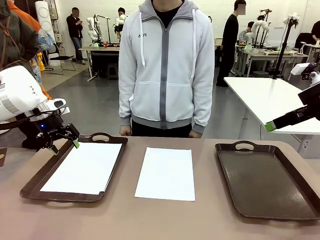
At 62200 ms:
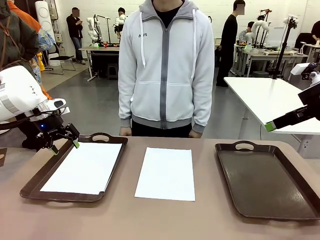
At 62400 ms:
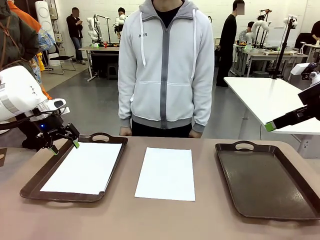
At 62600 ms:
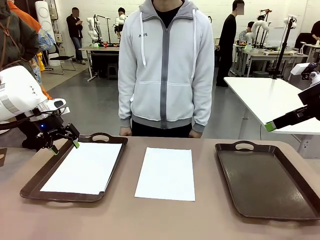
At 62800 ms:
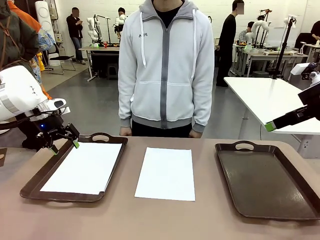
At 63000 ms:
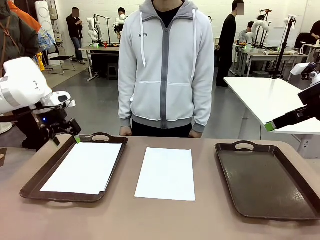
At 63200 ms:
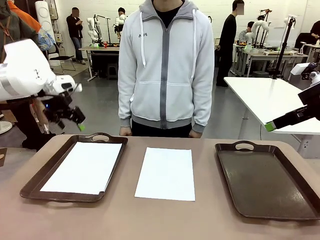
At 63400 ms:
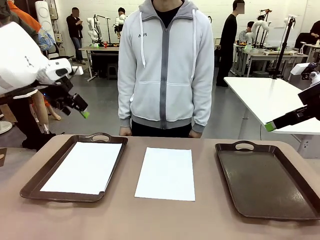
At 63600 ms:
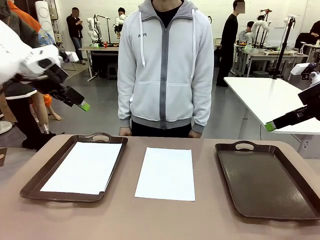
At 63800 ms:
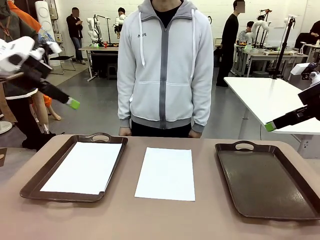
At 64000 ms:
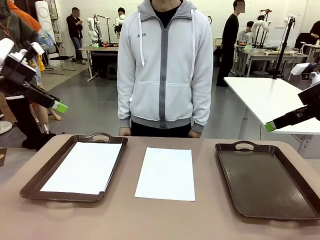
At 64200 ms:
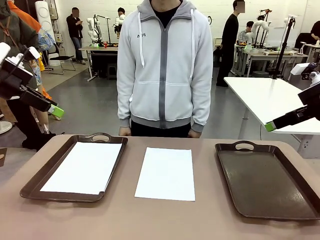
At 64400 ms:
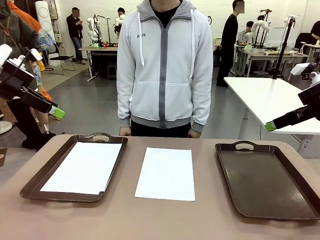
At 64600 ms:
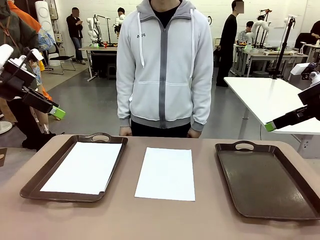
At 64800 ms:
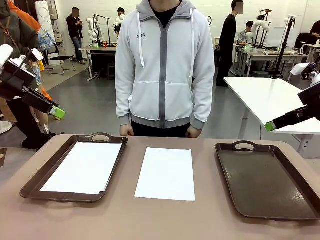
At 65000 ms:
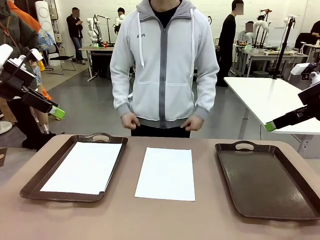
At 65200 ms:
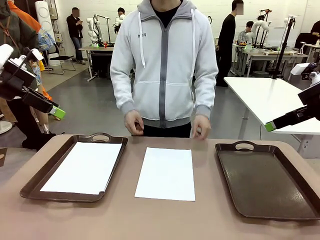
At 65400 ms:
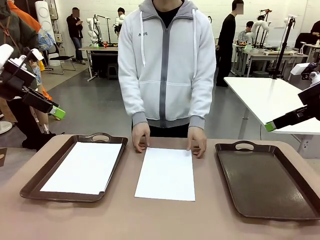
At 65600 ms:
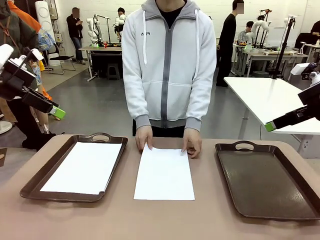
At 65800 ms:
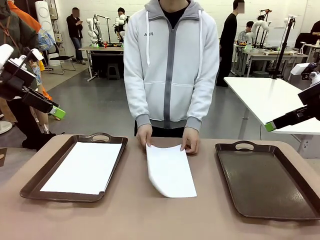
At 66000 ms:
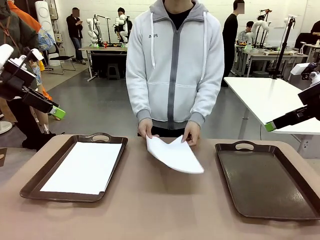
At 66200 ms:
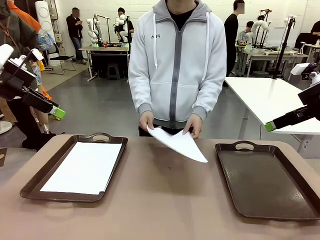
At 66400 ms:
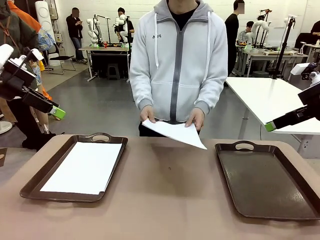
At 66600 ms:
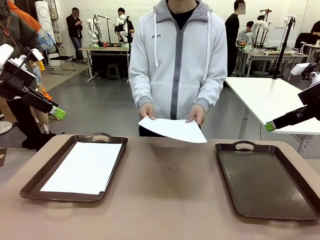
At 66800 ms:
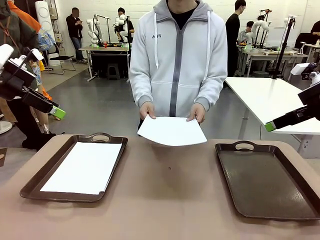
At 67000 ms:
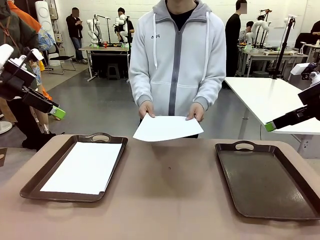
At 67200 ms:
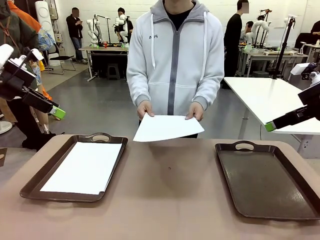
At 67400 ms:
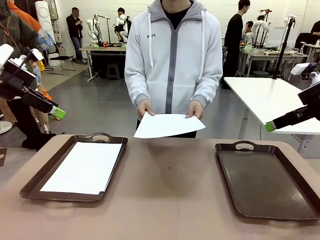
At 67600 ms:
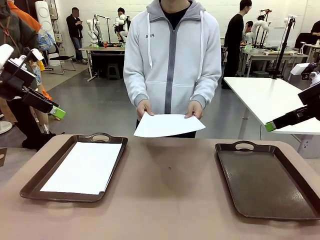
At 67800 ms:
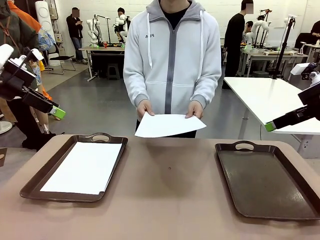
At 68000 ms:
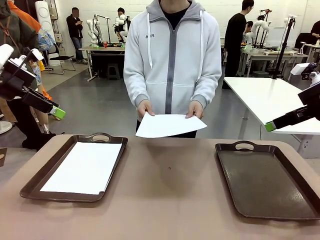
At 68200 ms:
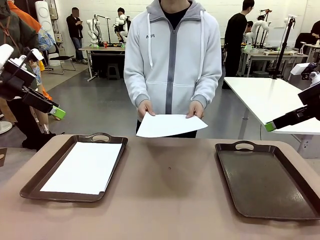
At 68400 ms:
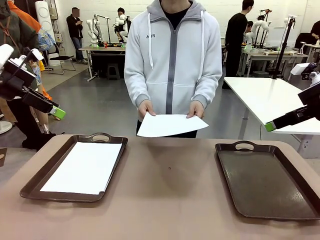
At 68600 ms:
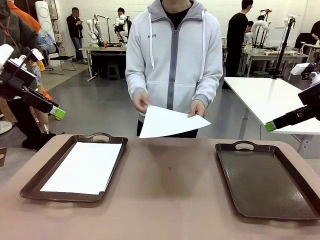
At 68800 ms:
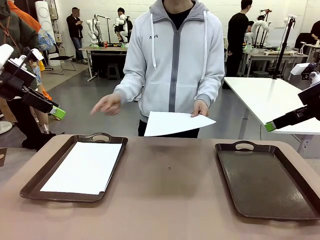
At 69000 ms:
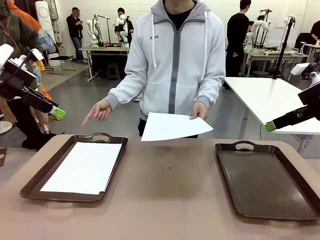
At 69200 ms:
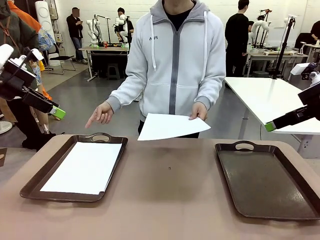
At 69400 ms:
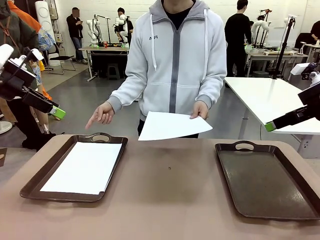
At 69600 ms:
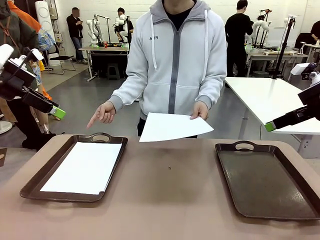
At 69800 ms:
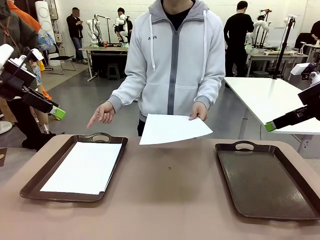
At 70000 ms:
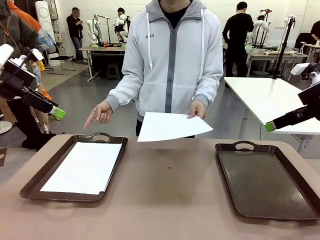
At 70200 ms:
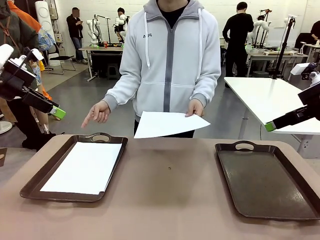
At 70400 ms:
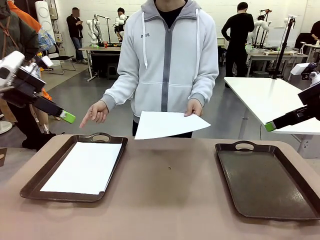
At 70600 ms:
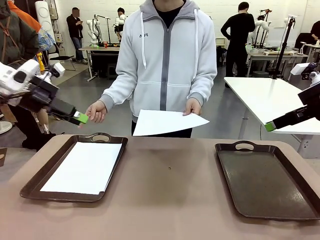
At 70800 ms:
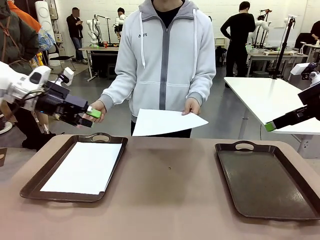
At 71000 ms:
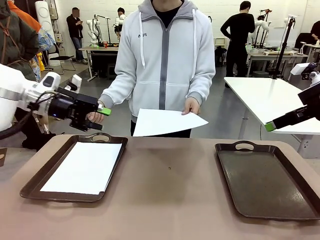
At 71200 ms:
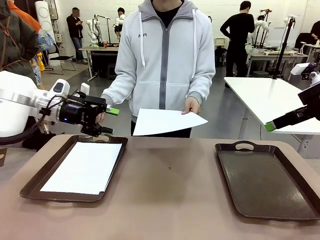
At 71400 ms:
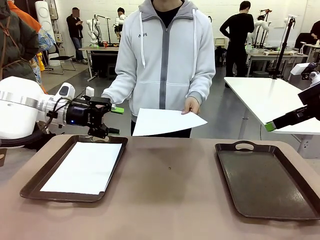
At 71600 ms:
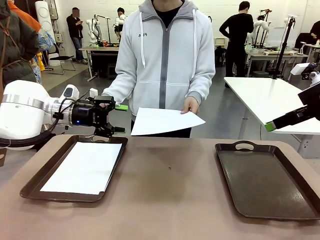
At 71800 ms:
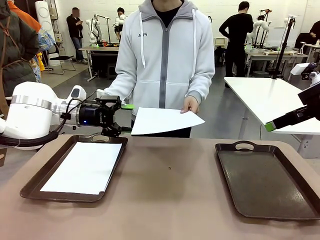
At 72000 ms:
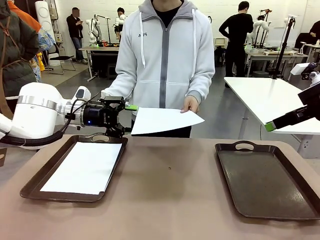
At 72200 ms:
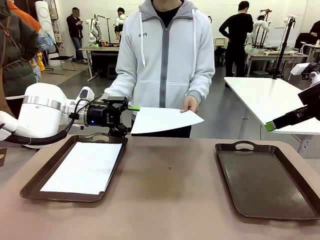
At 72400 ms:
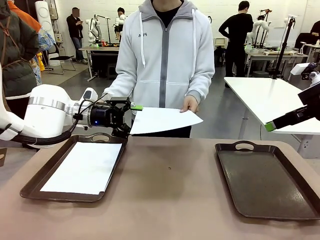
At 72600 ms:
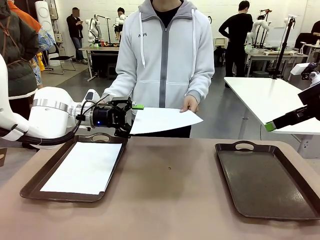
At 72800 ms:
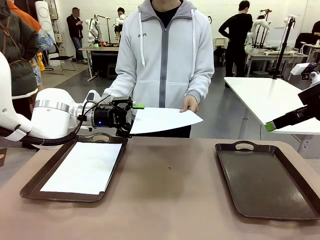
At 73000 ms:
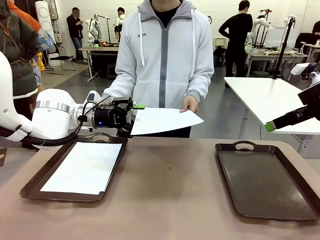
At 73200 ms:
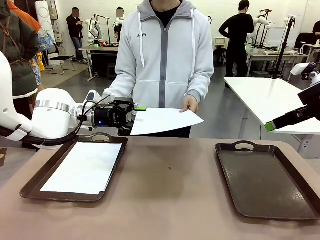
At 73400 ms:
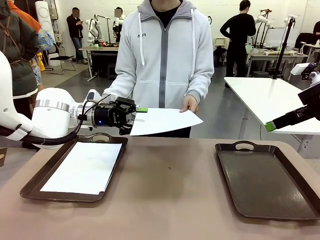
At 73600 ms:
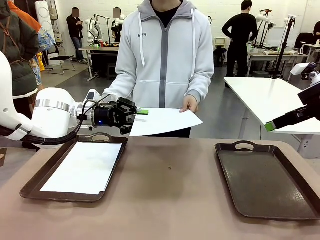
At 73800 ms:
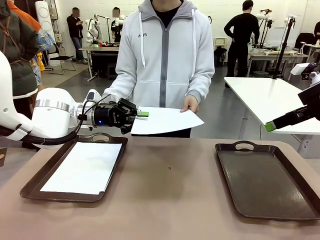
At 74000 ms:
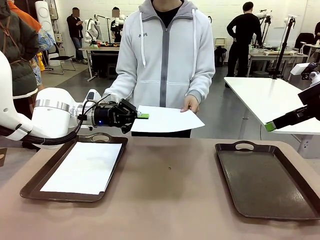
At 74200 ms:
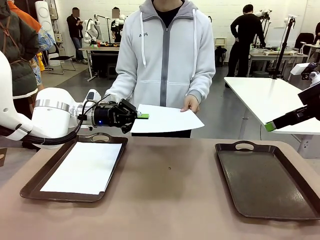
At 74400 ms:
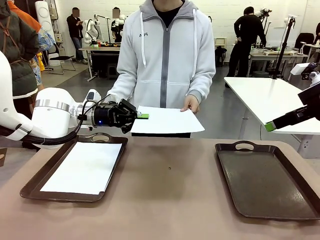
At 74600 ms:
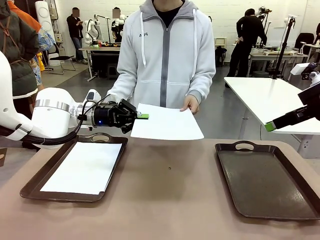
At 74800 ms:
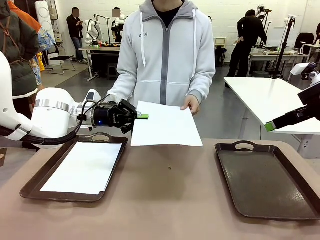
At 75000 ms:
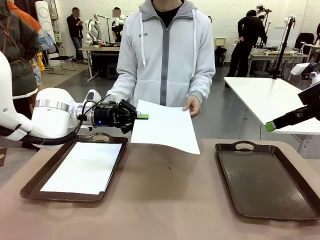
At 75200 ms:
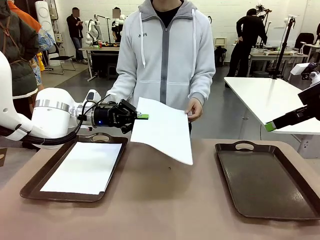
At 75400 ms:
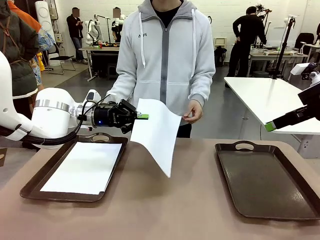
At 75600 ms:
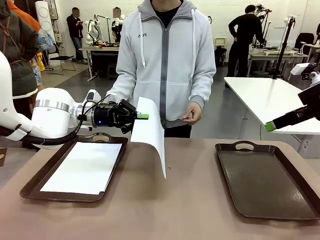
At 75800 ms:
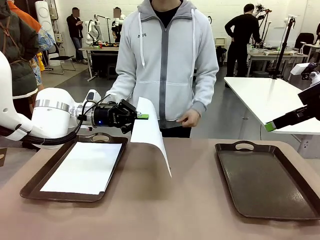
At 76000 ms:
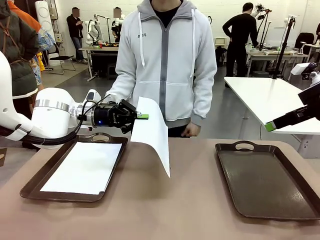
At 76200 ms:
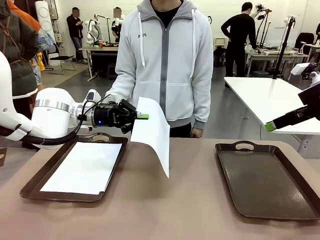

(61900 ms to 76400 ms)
Task: Sort the A4 documents.
Robot: Receive the A4 Paper.

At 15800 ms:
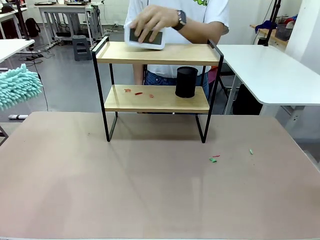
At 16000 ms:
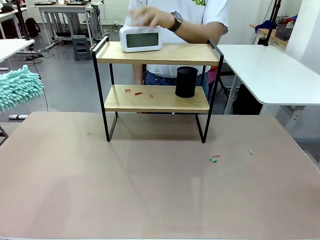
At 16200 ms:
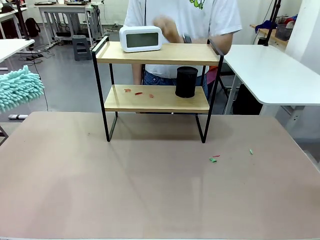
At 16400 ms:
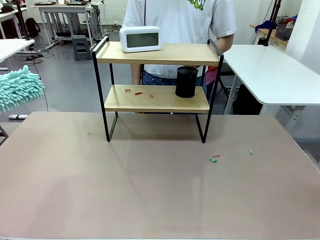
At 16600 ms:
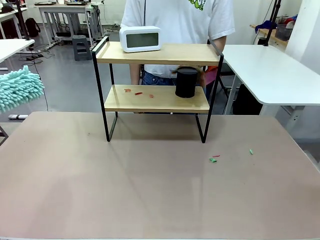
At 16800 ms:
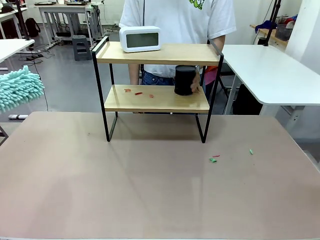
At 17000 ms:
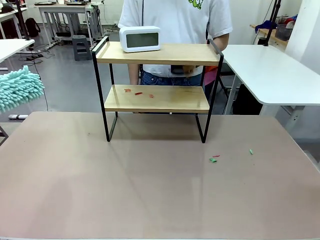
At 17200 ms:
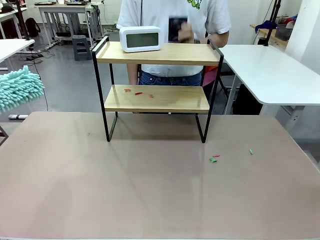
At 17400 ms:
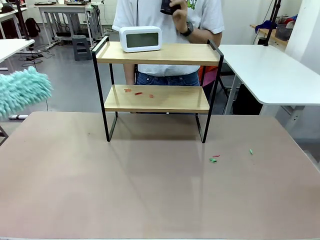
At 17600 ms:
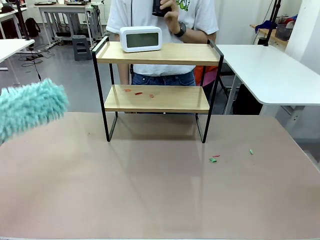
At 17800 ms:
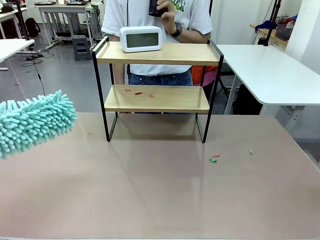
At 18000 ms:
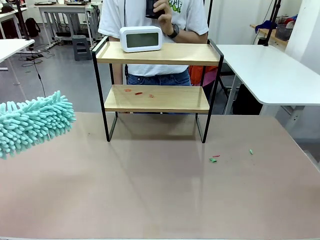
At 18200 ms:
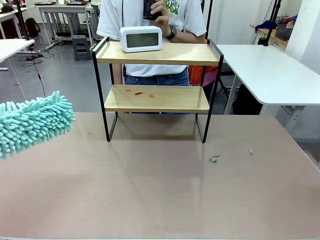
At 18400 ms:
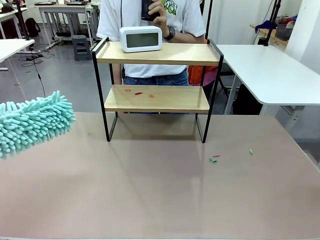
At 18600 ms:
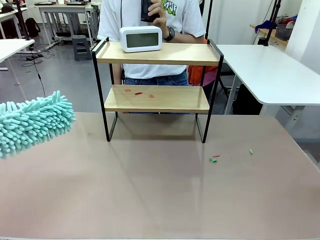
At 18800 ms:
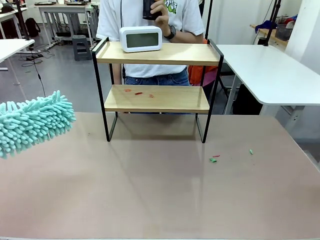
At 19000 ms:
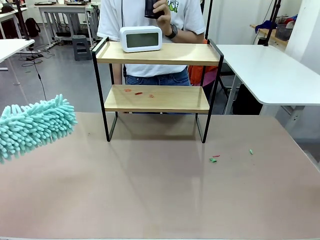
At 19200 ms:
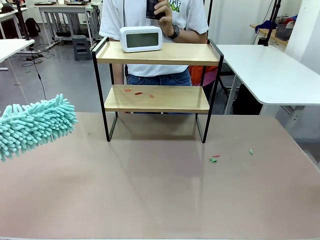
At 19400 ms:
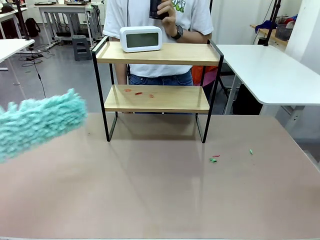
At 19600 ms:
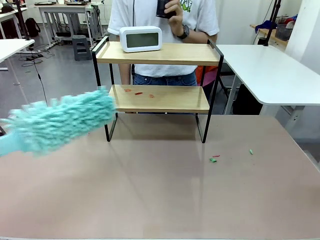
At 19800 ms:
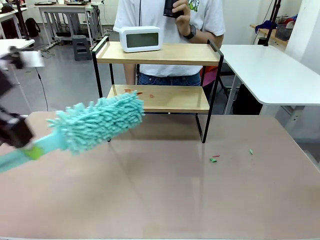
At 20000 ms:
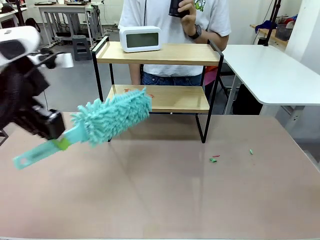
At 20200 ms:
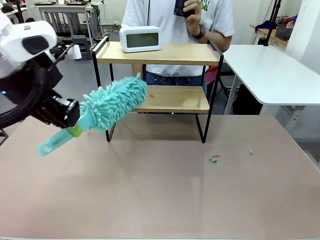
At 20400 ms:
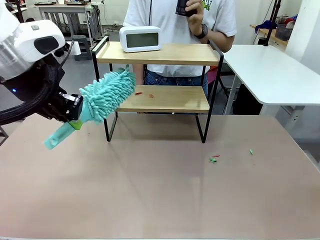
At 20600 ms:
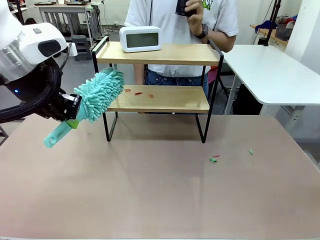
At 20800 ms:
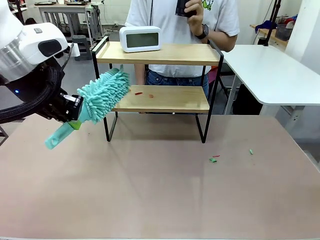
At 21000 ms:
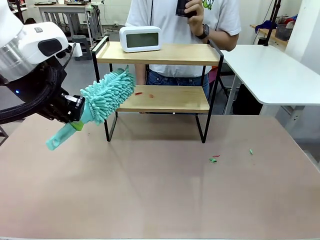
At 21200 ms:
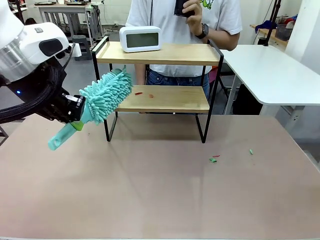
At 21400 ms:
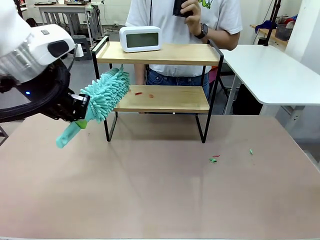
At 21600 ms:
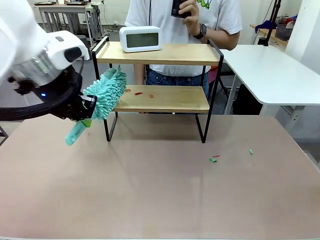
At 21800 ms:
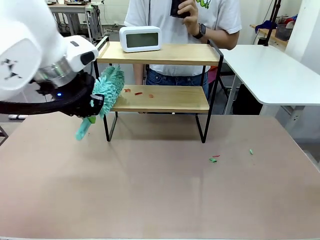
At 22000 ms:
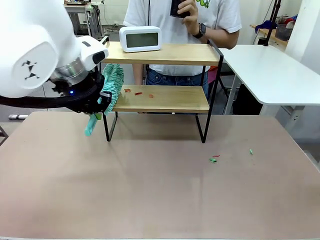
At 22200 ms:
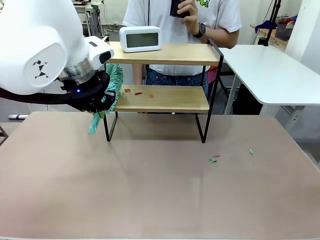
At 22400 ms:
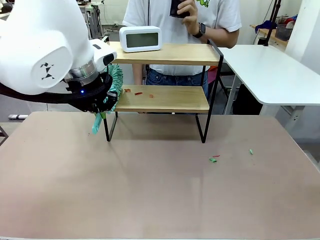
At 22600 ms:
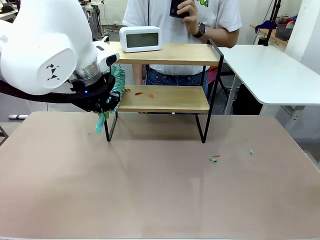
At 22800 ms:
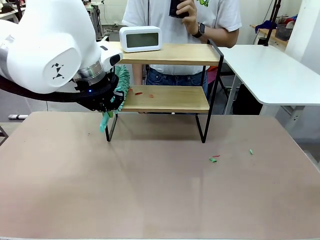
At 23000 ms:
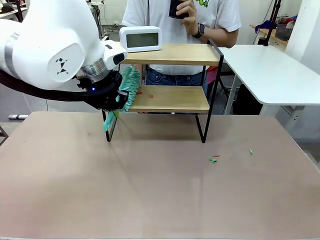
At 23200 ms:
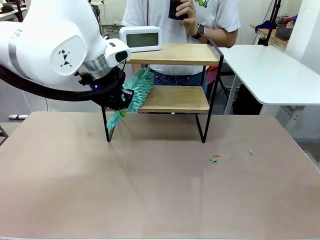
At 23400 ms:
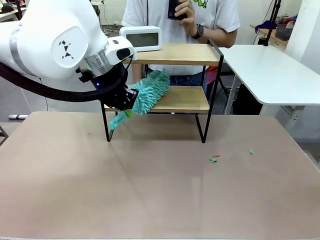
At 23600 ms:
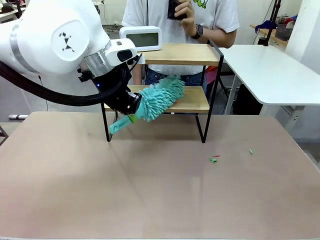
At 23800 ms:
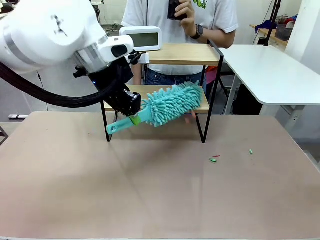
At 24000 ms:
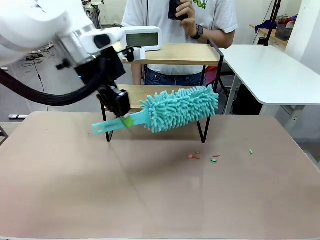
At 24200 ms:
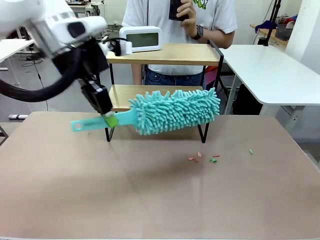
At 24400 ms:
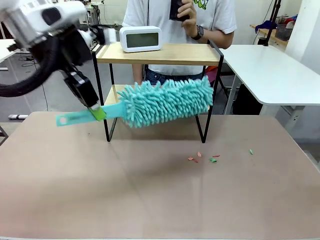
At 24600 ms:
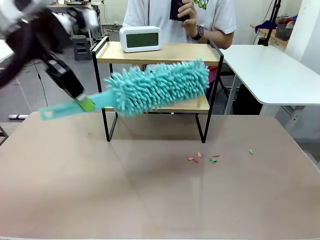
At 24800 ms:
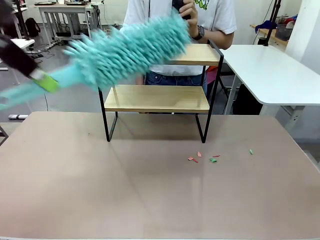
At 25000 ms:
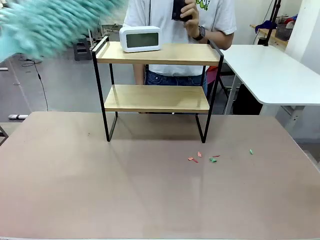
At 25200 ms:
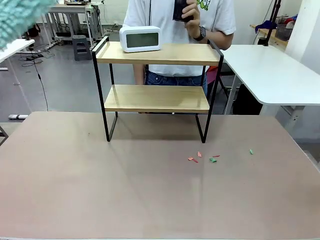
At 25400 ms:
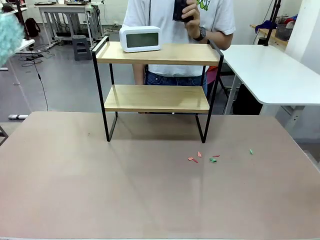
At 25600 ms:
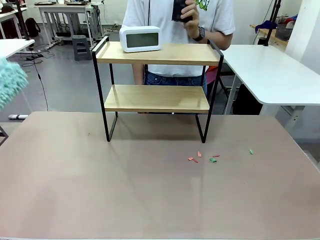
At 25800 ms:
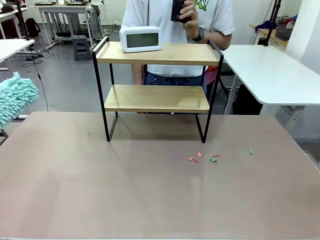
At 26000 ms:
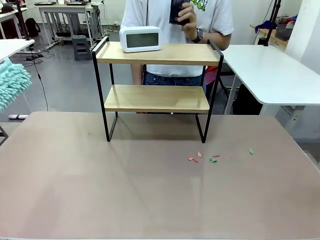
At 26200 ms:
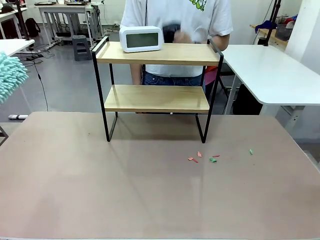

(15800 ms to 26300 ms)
Task: Clean the shelf.
Robot: Clean the remaining tier of the Shelf with the Duster once objects are removed.
